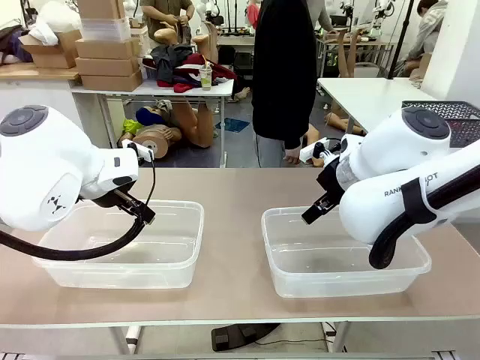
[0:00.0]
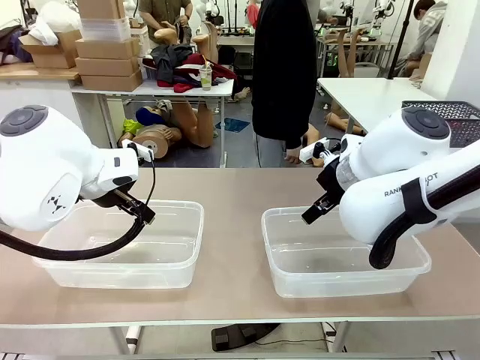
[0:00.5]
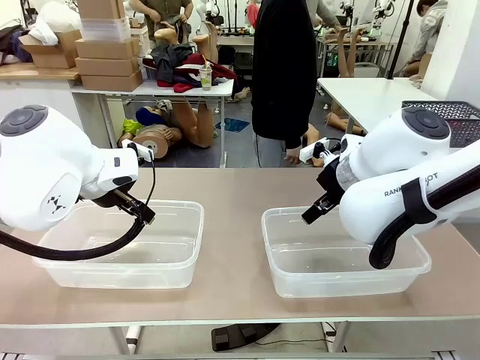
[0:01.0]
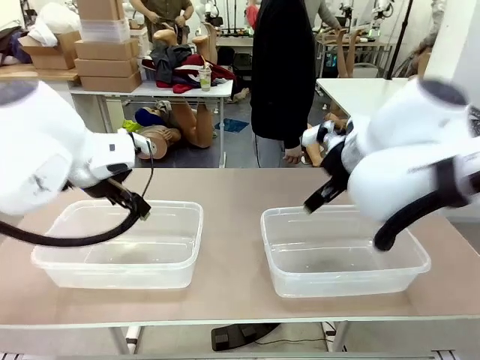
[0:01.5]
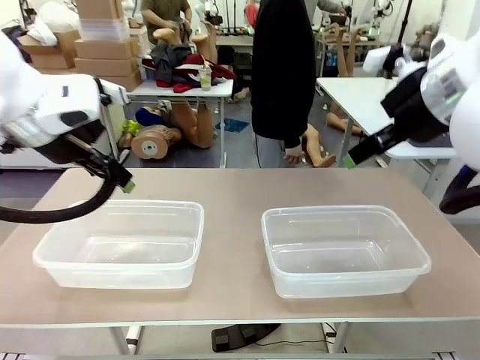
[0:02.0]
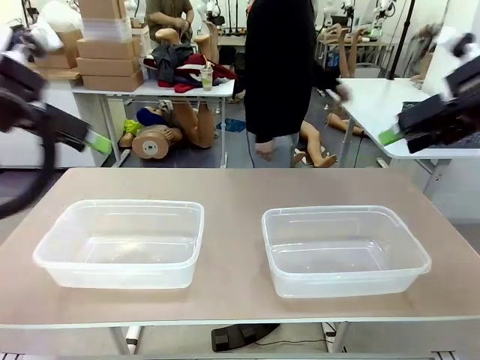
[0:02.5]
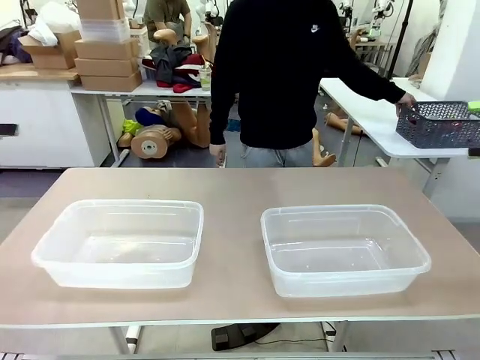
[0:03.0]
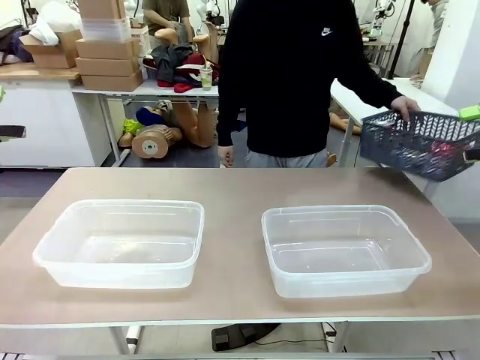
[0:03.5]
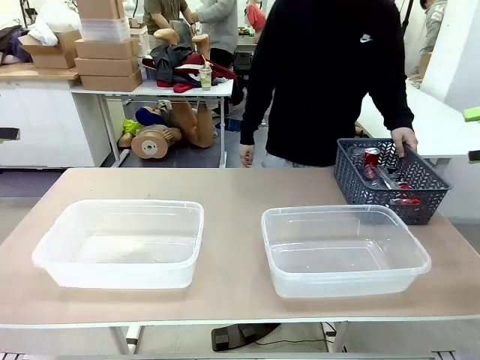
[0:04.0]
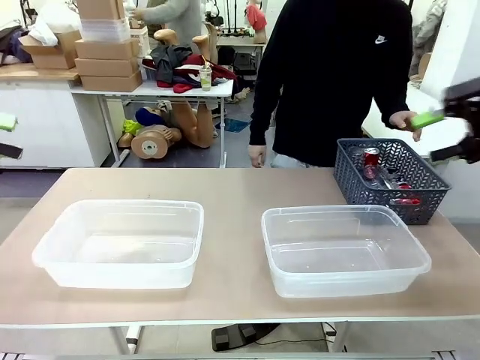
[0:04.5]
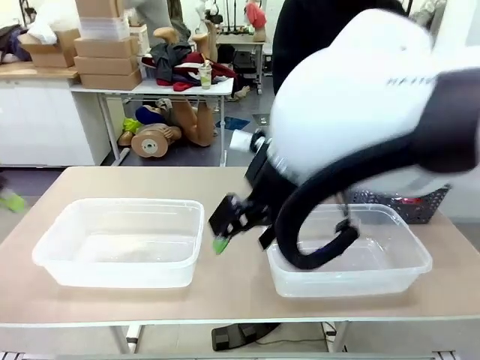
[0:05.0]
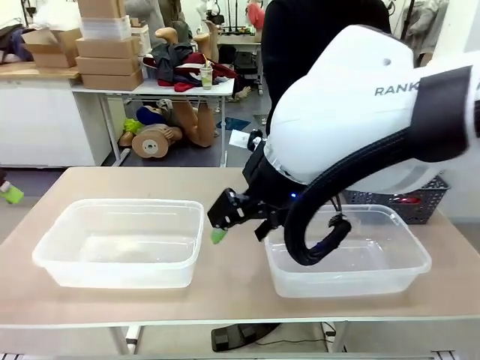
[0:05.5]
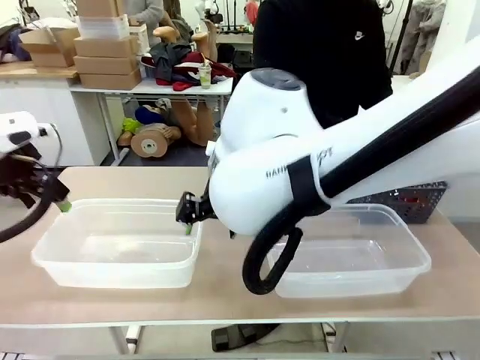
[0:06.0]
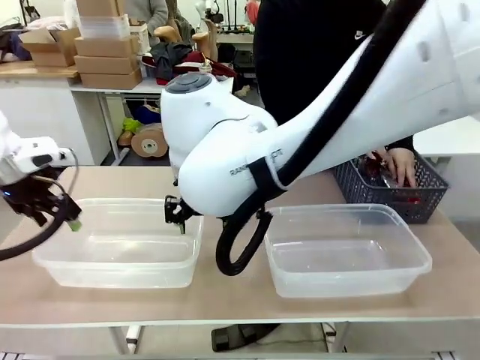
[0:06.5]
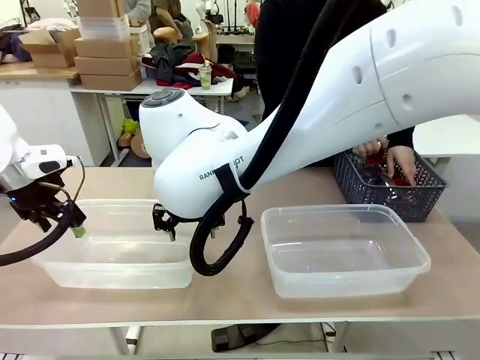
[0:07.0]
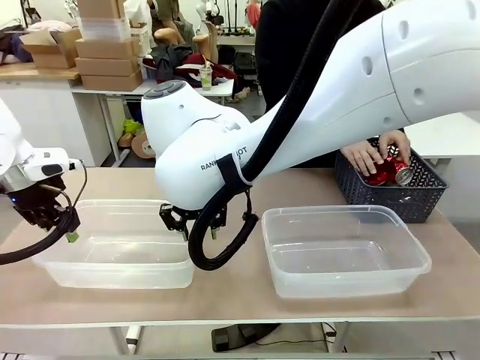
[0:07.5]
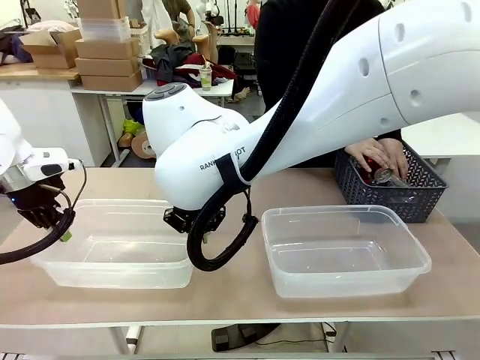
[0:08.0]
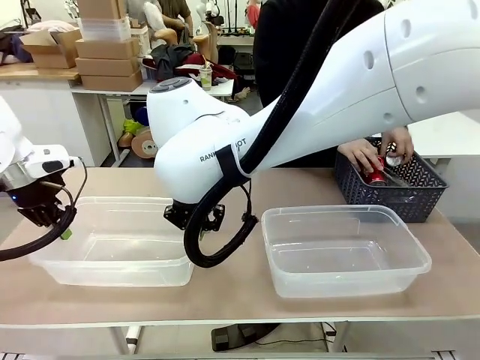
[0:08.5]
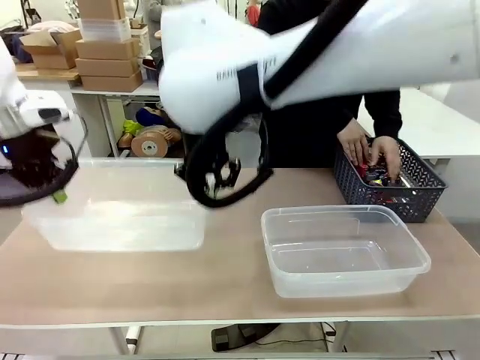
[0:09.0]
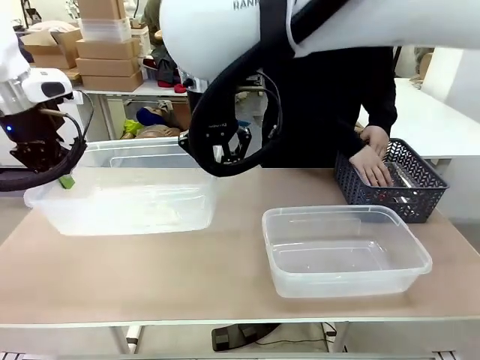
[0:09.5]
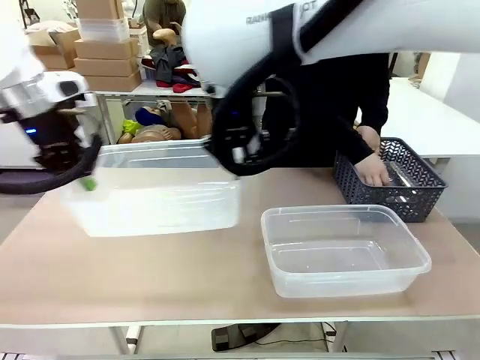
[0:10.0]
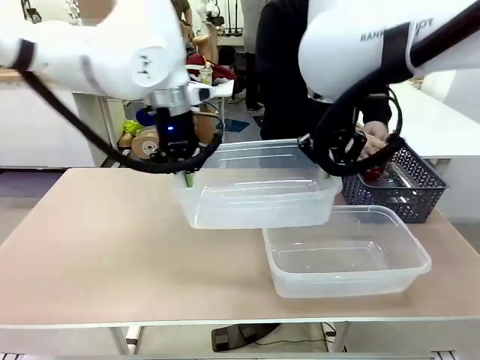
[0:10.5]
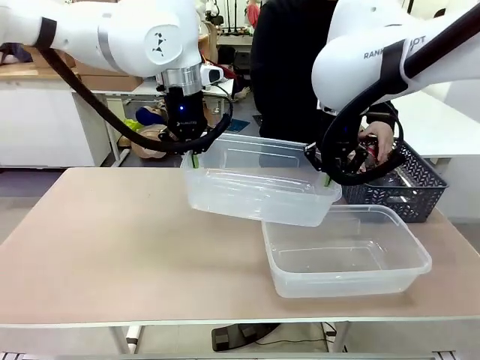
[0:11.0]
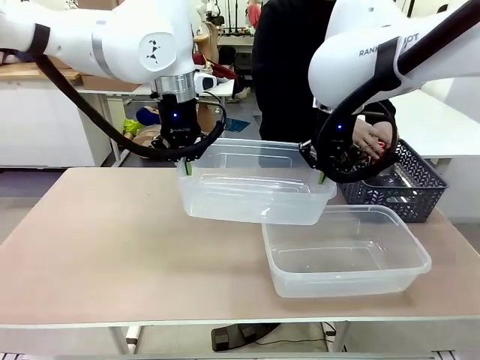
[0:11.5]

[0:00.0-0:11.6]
Robot: Pick up the Organizing box on the left side of the table and lift it.
Person: Pick up the storage basket and place it on the left side of the robot table. Pick up can-shaped waste one by one and place it into the organizing box lifted by the robot.

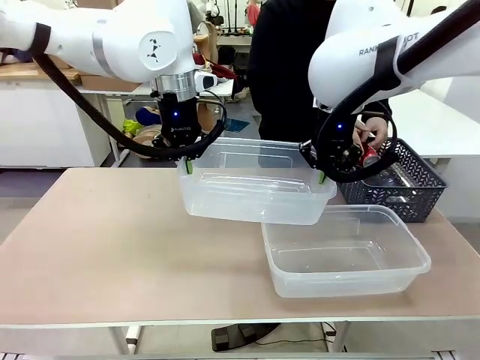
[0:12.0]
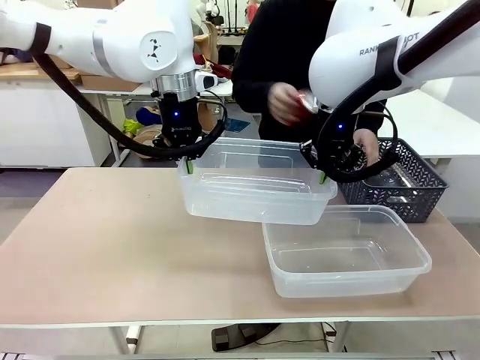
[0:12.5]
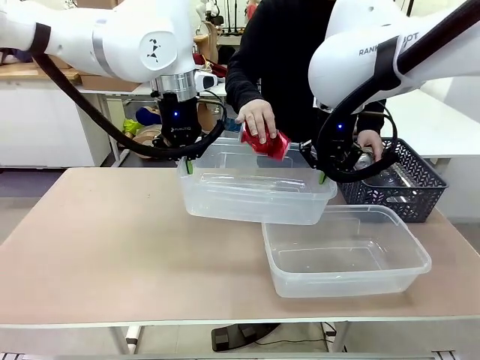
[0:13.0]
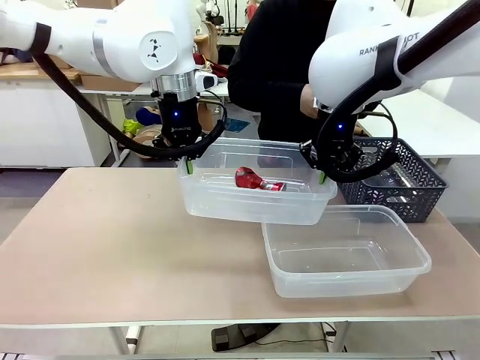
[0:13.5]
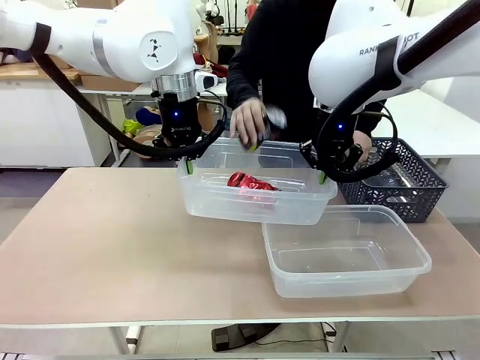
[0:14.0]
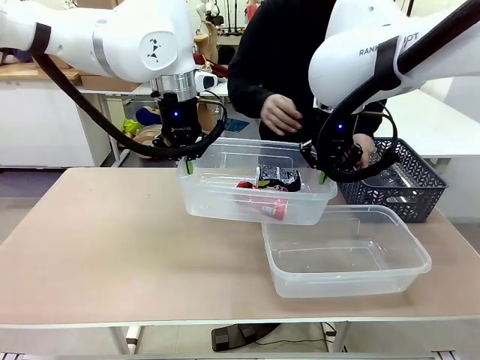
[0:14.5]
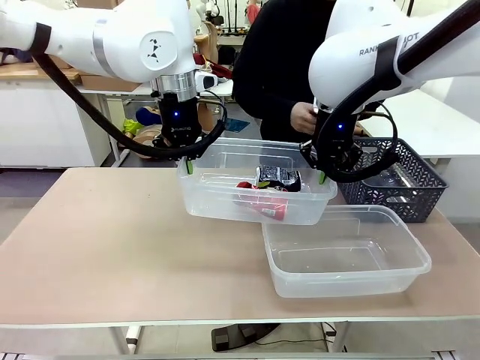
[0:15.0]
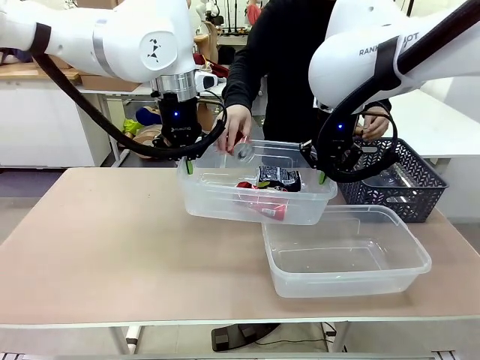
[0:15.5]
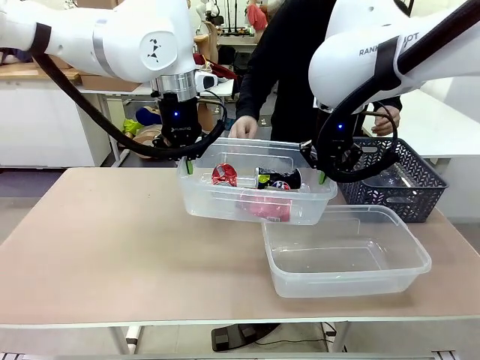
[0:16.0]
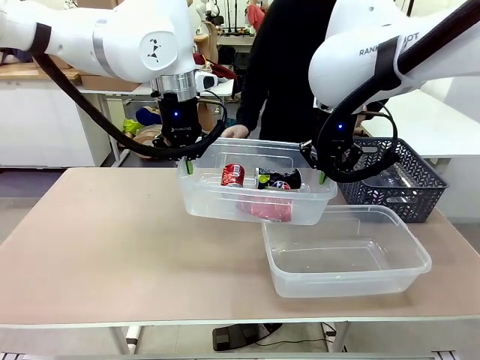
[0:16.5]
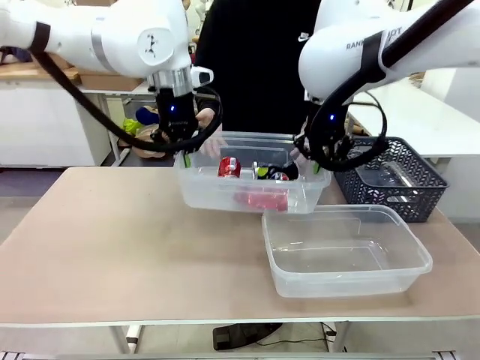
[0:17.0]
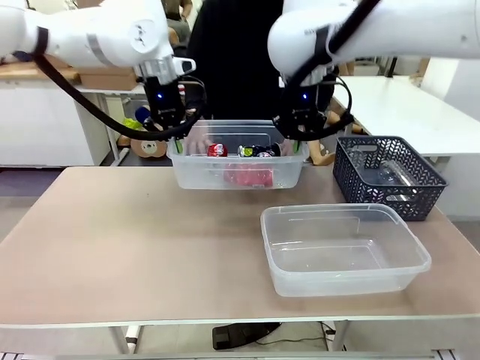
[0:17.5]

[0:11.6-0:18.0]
Robot: Offer the picked Organizing box to the human.

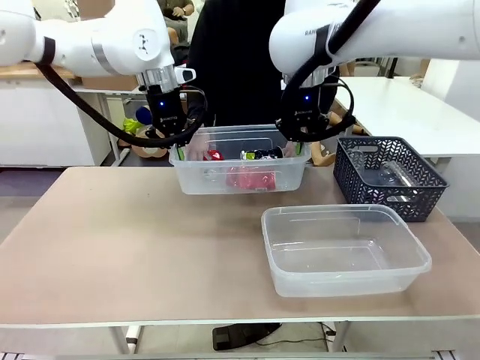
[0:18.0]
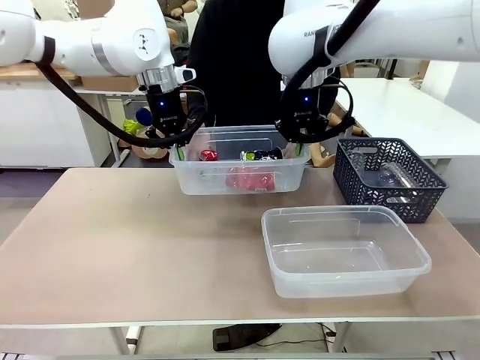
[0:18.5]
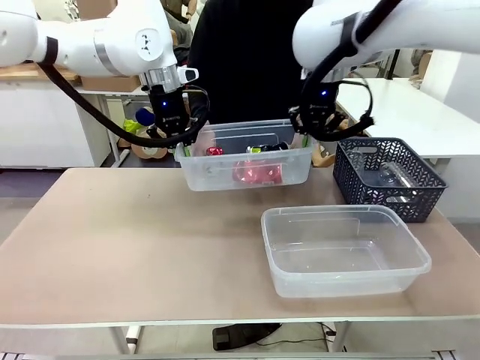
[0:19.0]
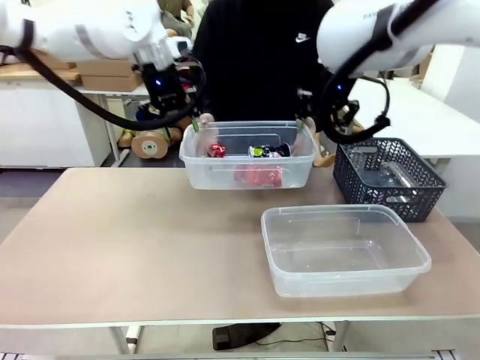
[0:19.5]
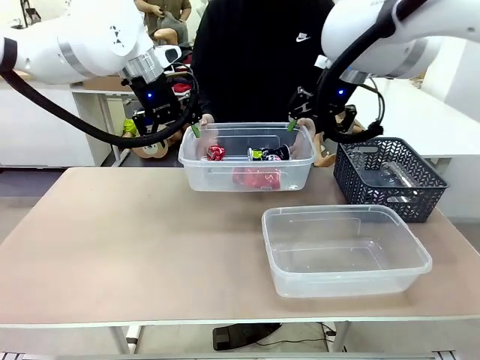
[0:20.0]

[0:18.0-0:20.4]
Robot: Release the Organizing box you were holding.

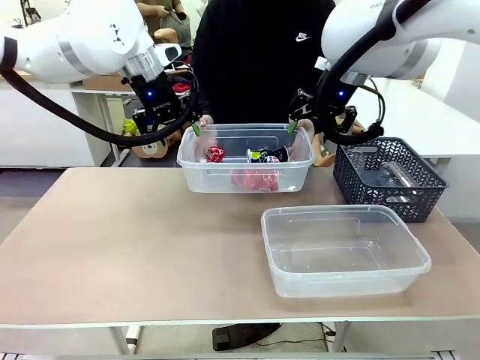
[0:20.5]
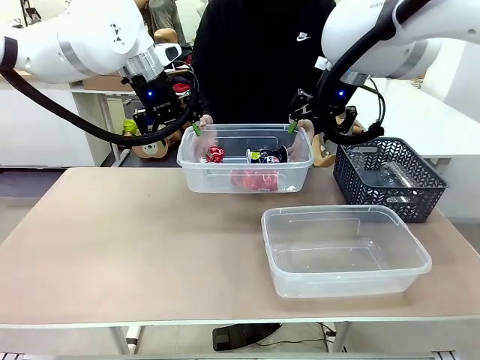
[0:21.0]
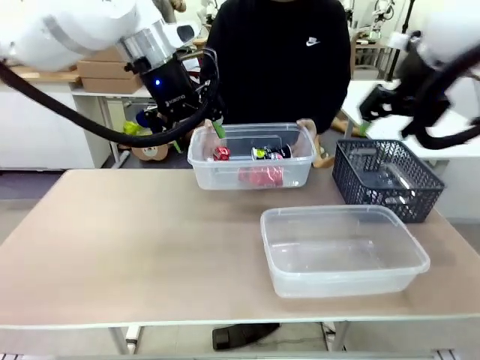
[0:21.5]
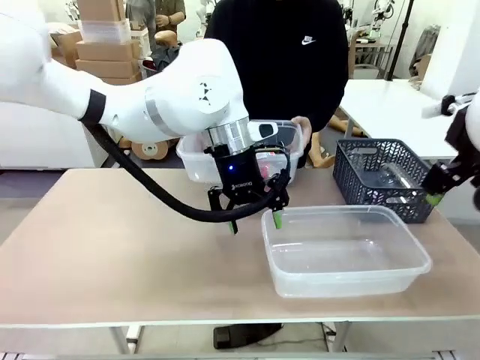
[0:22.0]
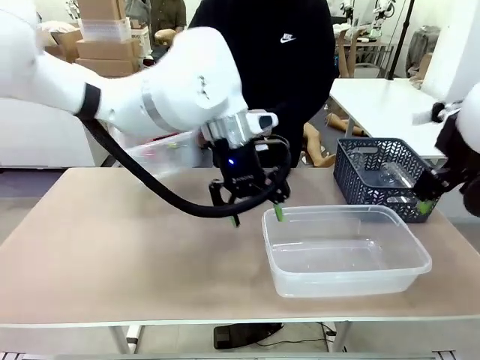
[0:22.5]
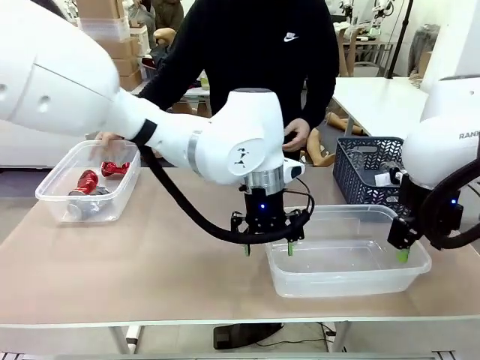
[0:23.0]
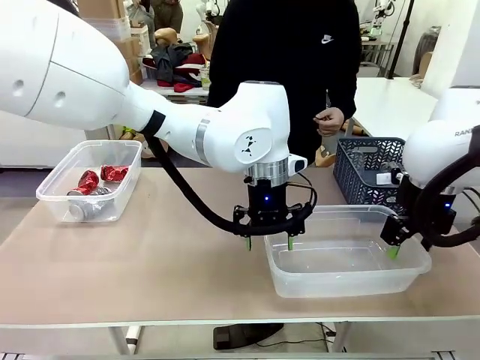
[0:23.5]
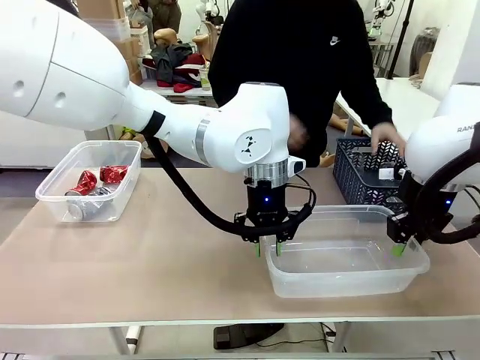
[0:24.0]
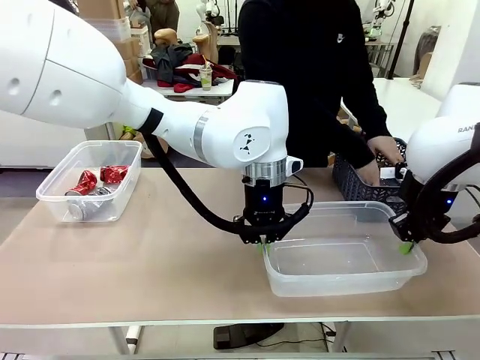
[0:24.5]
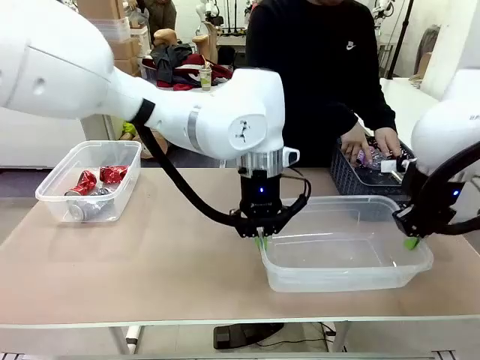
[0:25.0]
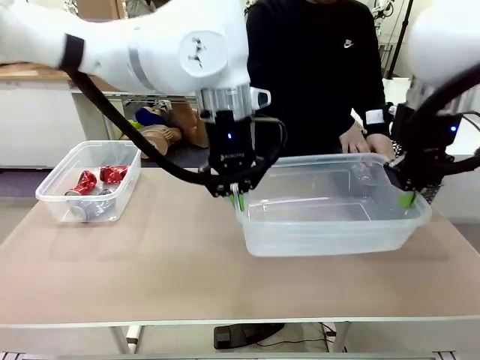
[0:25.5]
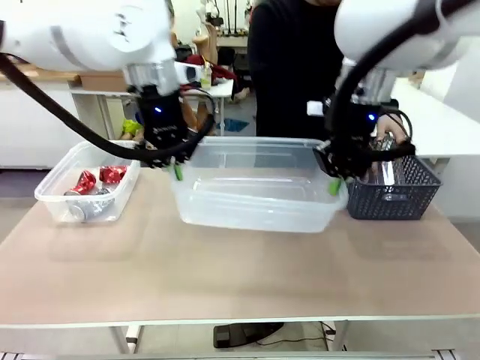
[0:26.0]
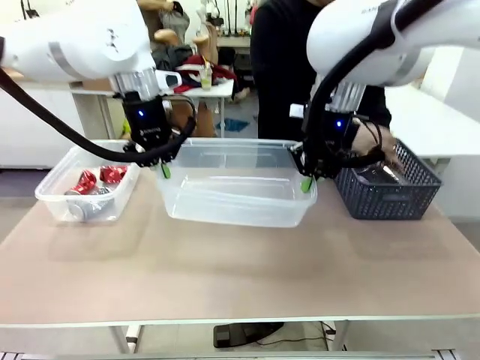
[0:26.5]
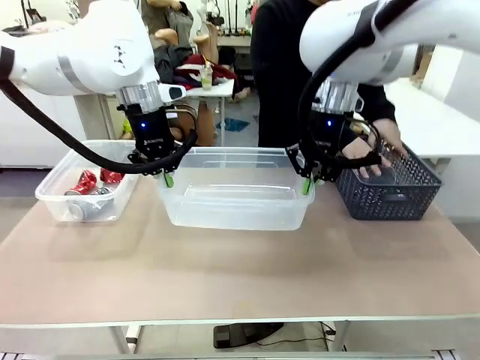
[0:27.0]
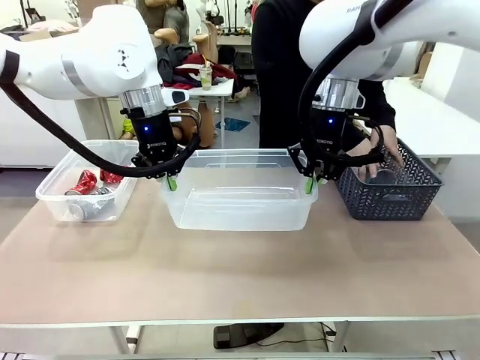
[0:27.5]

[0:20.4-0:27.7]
Robot: Pick up the Organizing box on the right side of the table and lift it.
Person: Place it at the edge of the bottom right area of the robot table.
